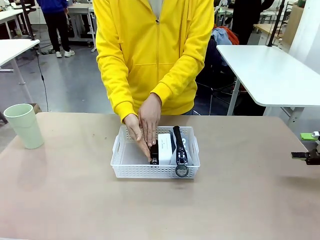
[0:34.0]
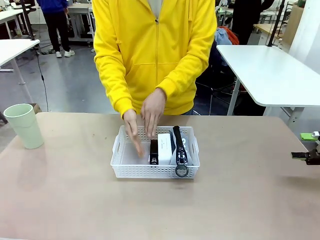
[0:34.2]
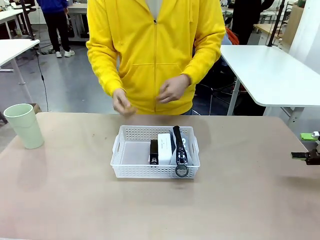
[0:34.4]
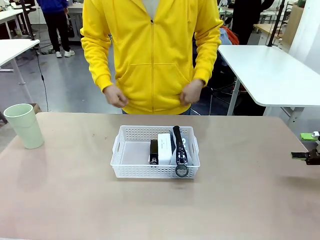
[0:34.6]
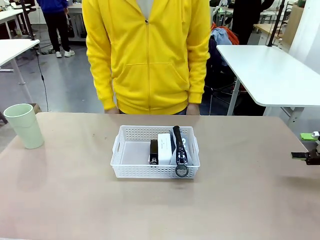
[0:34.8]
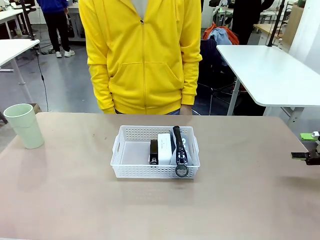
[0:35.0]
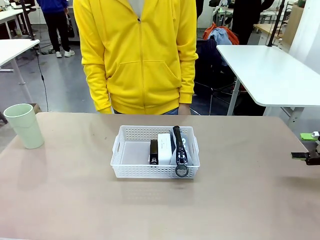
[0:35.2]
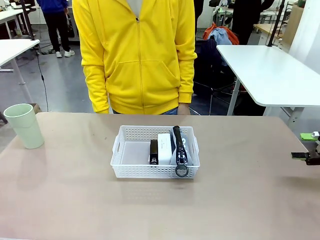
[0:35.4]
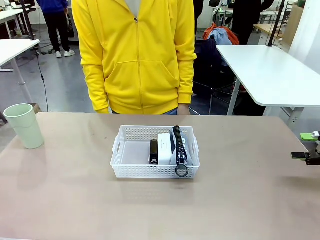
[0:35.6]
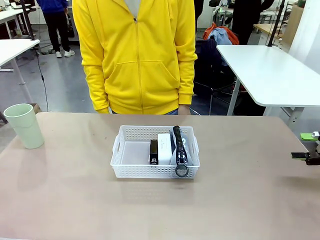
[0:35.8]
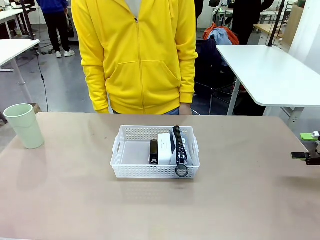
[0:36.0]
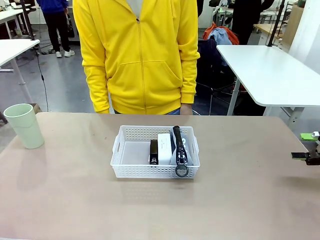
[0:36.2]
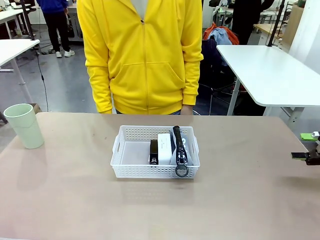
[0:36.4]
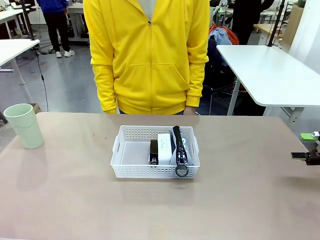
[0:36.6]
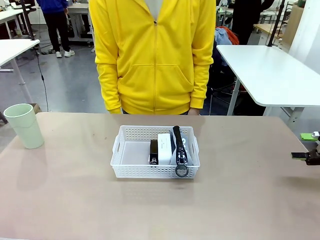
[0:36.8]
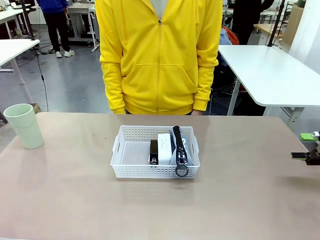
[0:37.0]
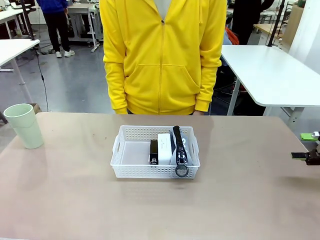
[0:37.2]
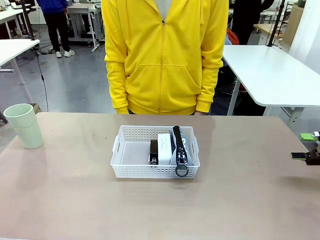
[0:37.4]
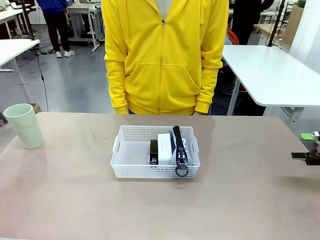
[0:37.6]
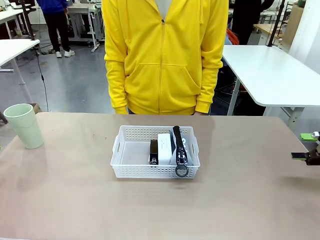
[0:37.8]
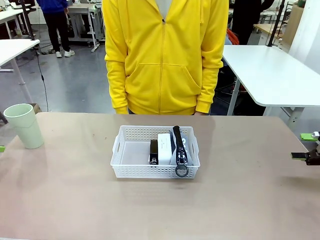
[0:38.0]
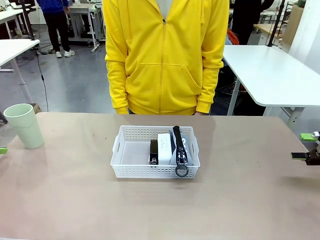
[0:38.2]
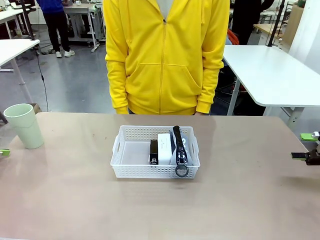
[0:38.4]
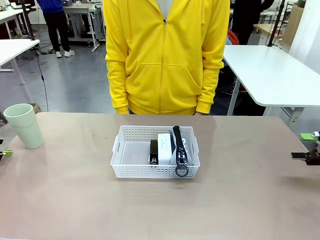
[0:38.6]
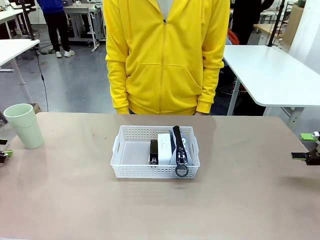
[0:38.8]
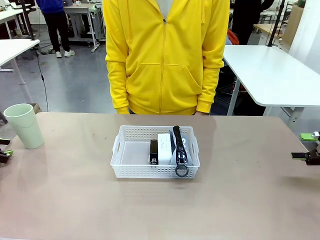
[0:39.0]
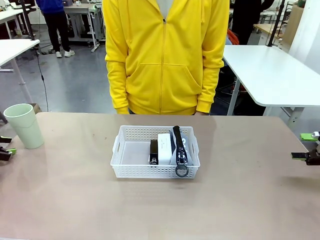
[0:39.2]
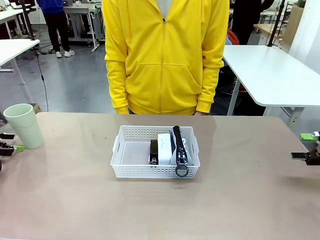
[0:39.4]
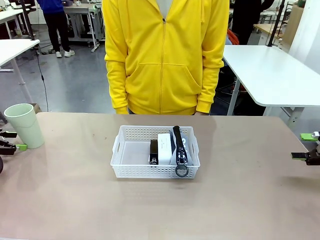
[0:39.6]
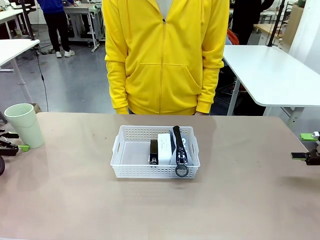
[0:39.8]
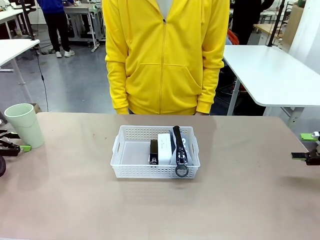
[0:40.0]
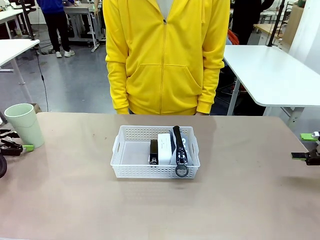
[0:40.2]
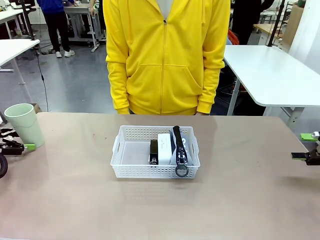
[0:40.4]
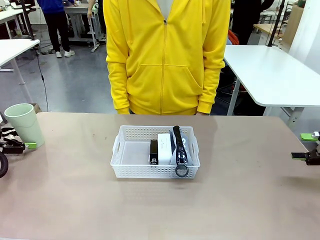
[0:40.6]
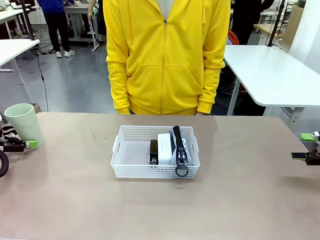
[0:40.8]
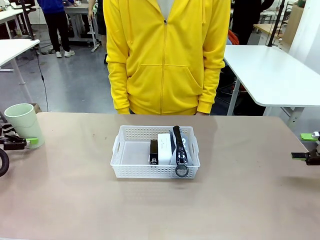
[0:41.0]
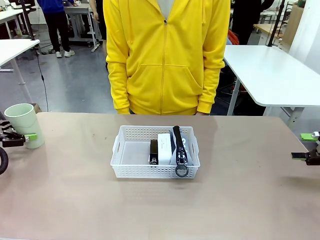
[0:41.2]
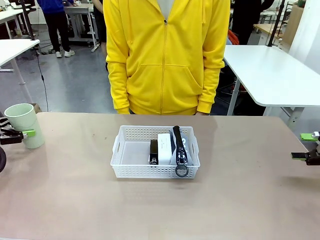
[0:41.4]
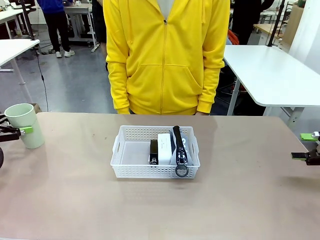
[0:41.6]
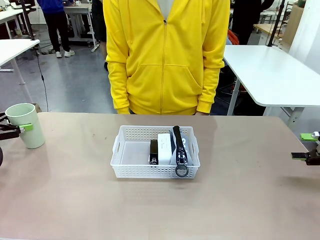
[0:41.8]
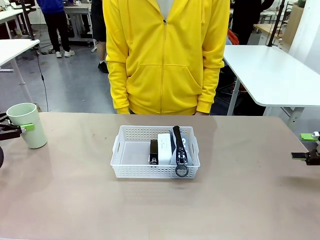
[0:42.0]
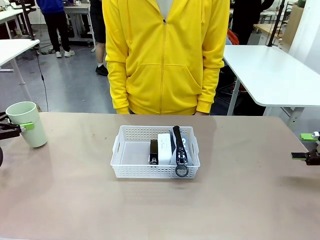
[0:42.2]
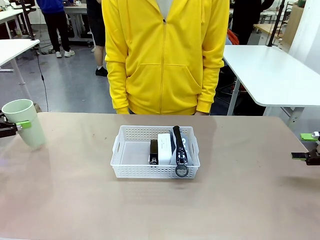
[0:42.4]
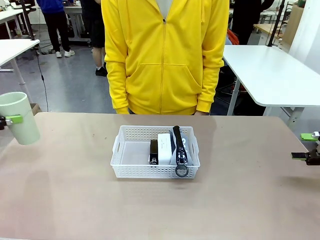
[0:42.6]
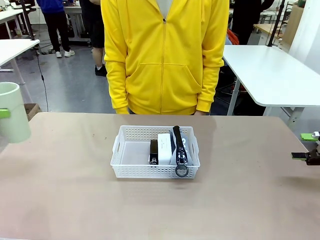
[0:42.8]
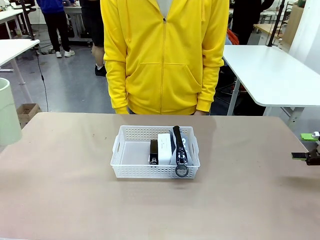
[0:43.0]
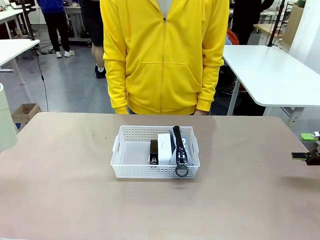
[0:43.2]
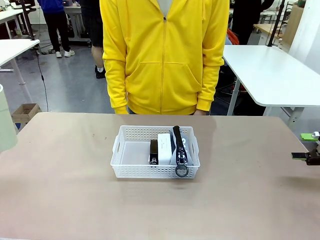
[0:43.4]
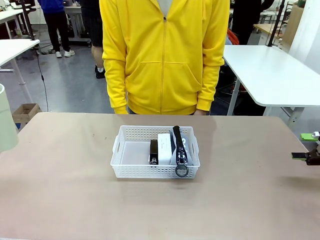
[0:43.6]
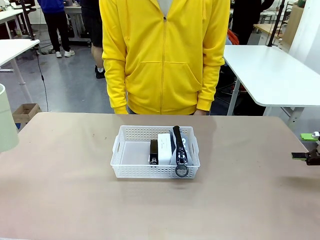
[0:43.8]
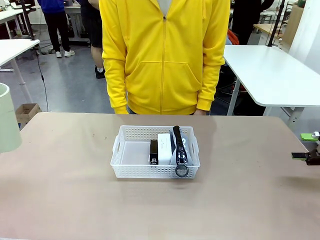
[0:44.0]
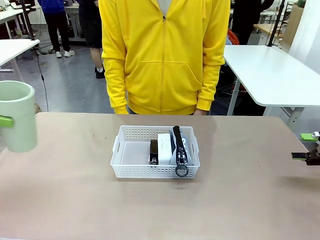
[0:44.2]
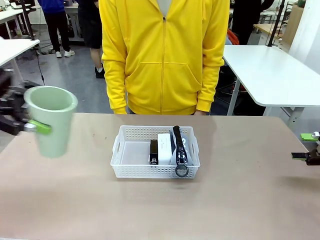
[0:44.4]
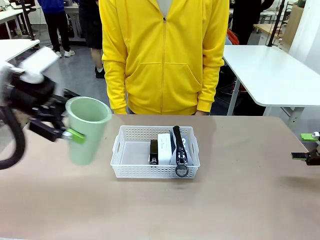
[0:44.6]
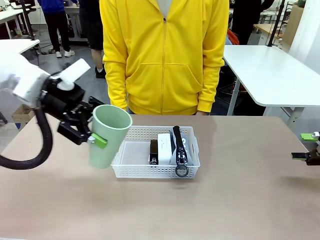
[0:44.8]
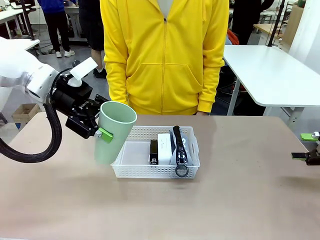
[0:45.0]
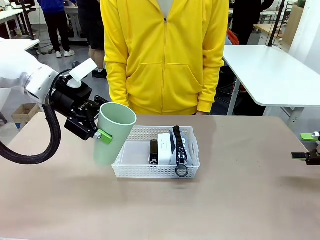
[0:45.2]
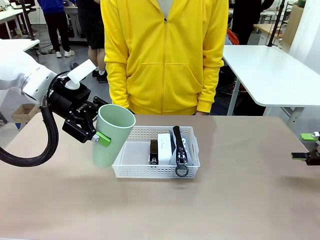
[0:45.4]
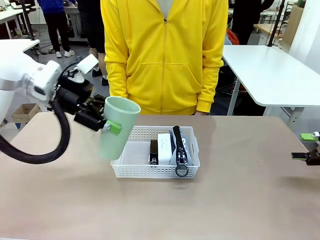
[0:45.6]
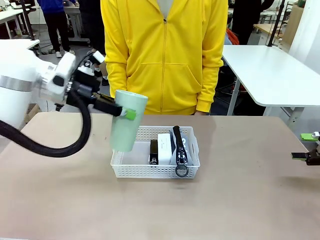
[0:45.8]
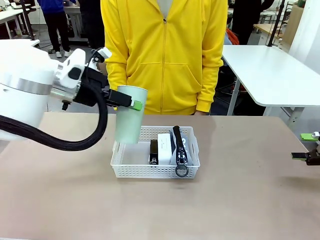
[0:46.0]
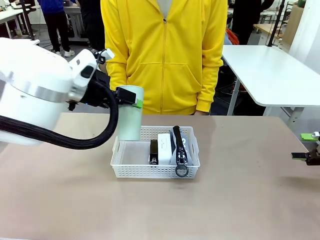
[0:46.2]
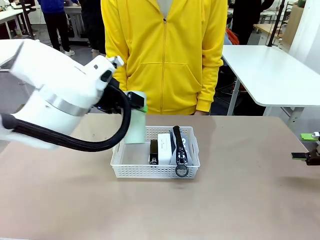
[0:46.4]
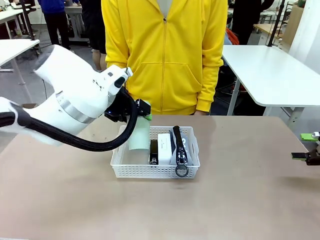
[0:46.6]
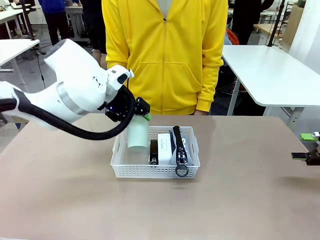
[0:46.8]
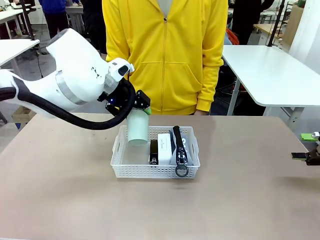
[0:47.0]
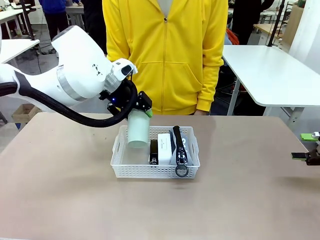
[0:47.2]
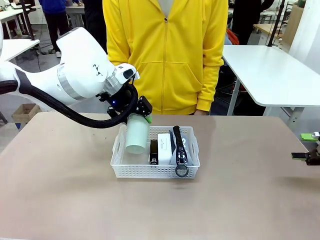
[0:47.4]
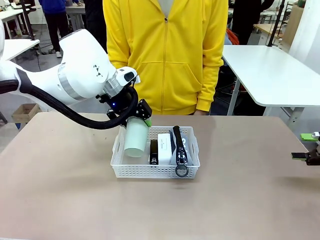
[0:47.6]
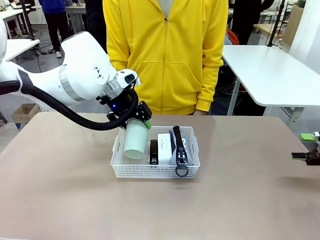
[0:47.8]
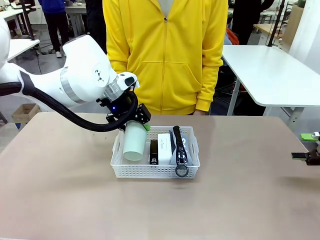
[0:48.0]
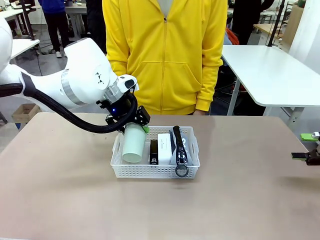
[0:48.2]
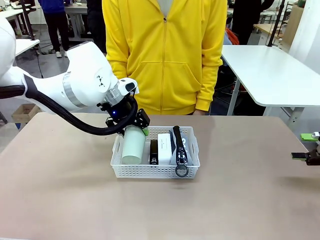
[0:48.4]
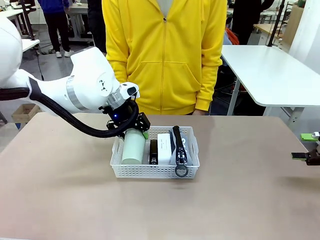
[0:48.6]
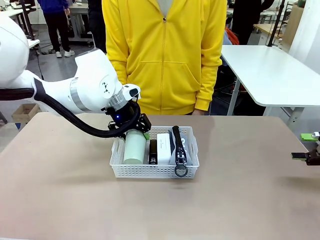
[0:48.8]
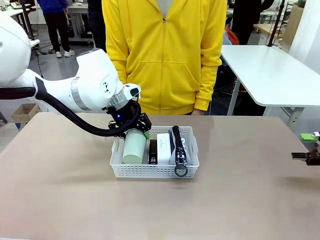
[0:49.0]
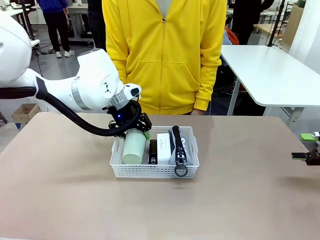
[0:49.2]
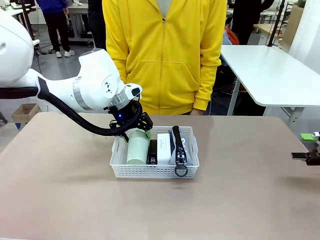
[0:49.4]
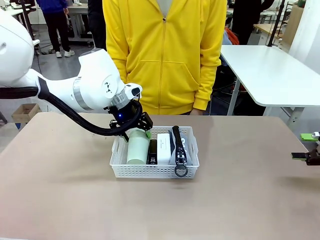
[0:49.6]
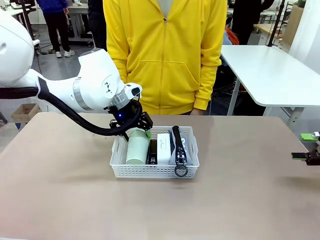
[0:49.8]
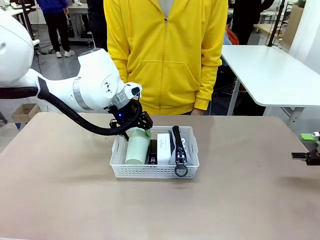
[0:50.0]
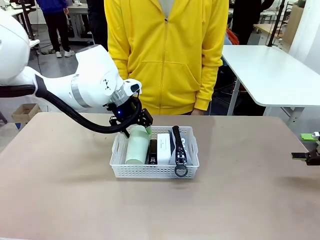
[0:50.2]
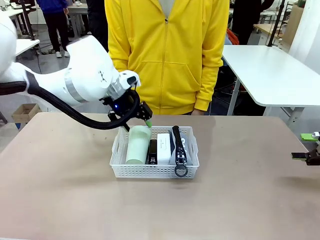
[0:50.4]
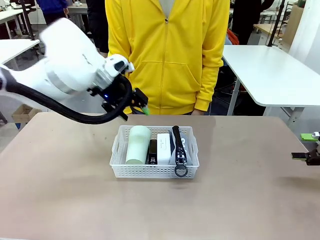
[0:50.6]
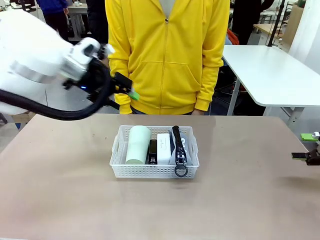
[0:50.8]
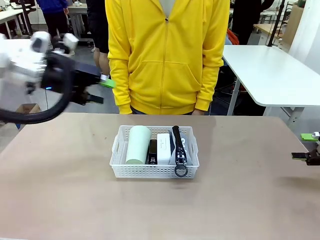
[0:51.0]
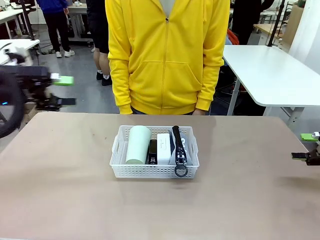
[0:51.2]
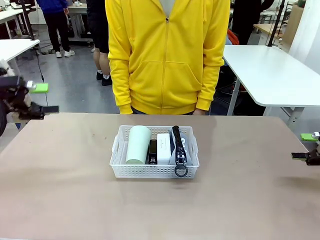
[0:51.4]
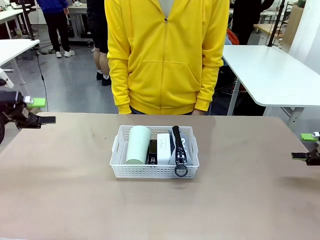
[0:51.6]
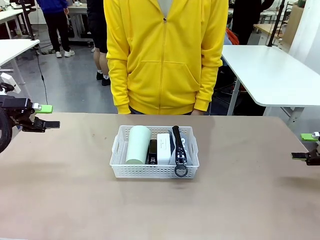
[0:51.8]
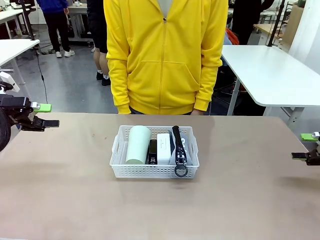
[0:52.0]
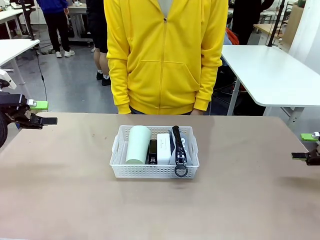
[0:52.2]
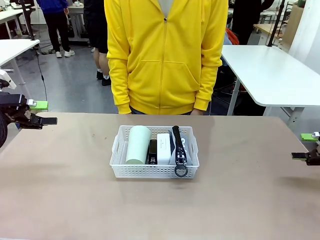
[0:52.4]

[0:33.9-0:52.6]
Task: Efficiently arrange items inside the basket to fit them all.
Robot: Pick up the Reusable plastic cup and place it inside the Organizing basket.
Person: Repositions the stapler.
